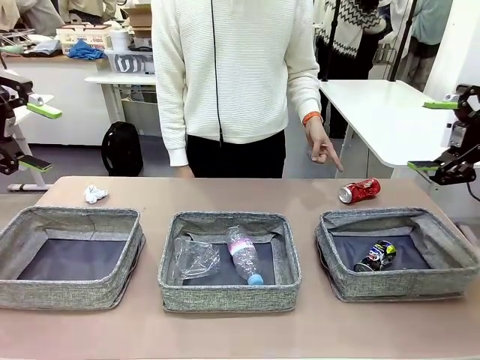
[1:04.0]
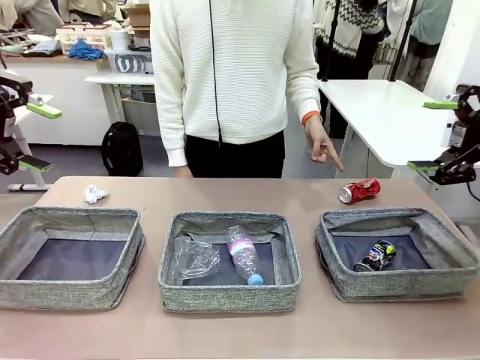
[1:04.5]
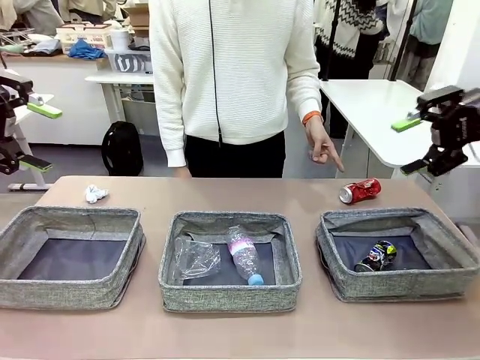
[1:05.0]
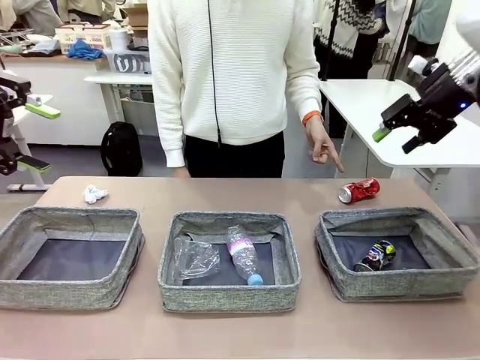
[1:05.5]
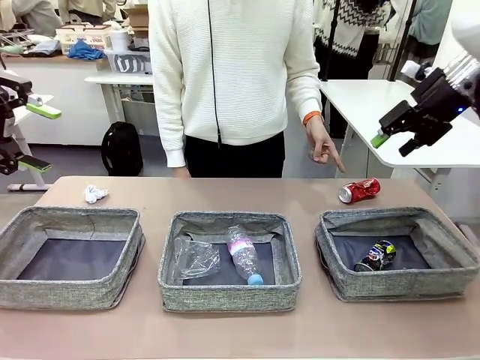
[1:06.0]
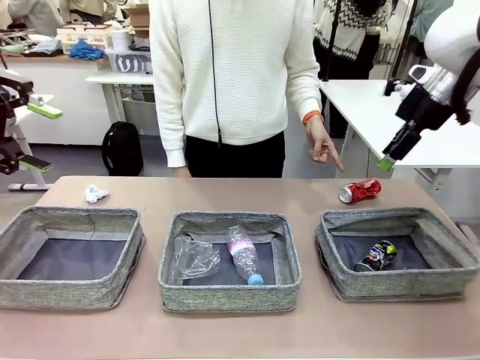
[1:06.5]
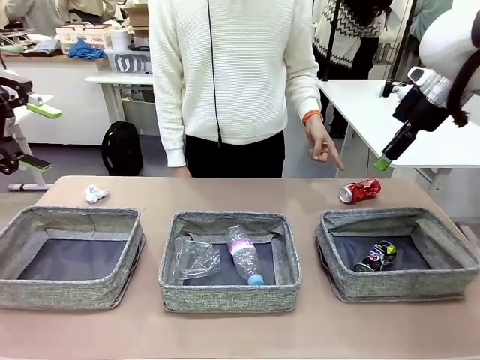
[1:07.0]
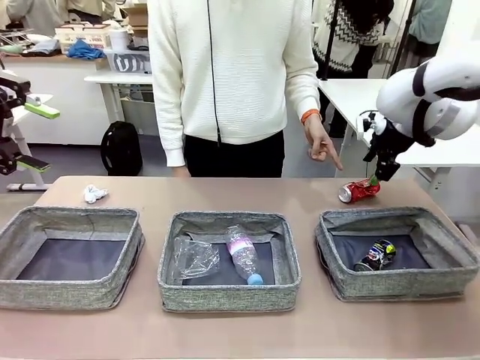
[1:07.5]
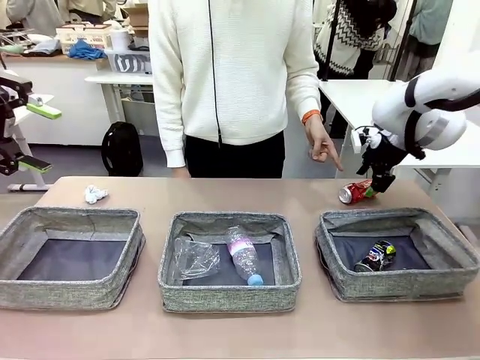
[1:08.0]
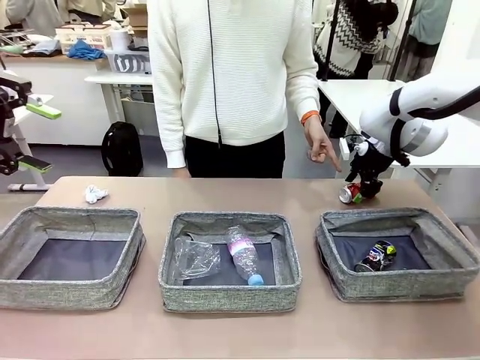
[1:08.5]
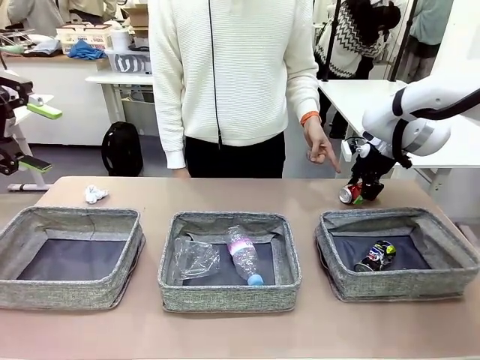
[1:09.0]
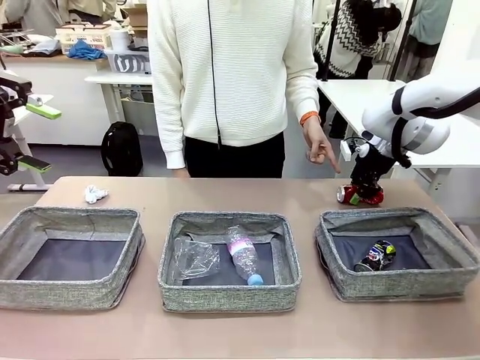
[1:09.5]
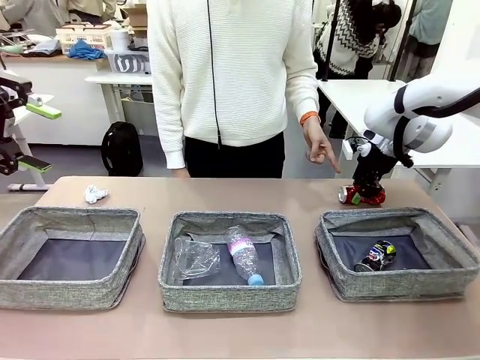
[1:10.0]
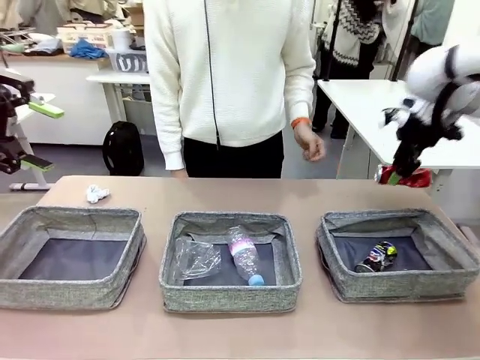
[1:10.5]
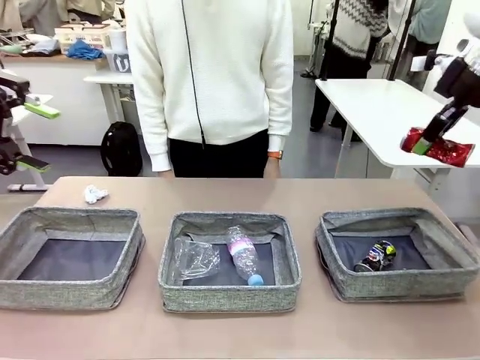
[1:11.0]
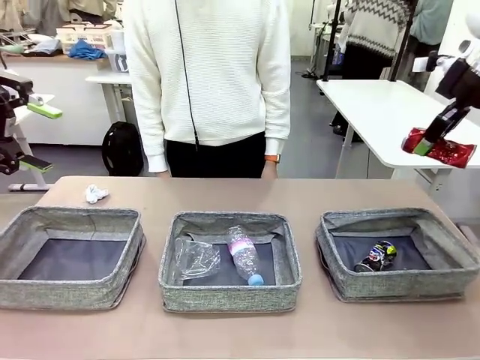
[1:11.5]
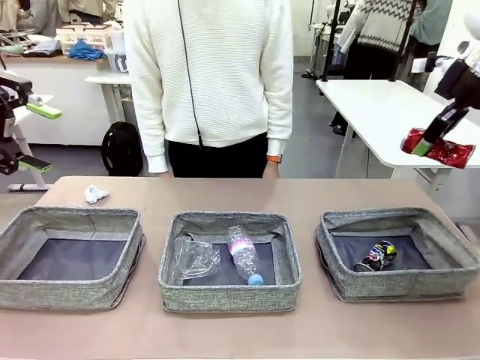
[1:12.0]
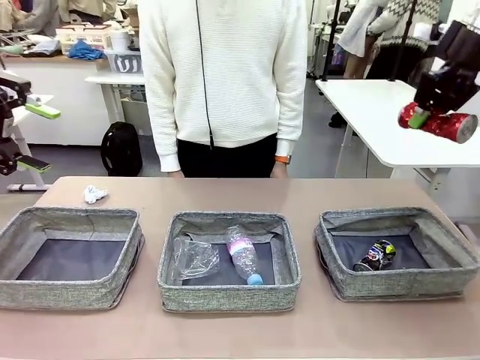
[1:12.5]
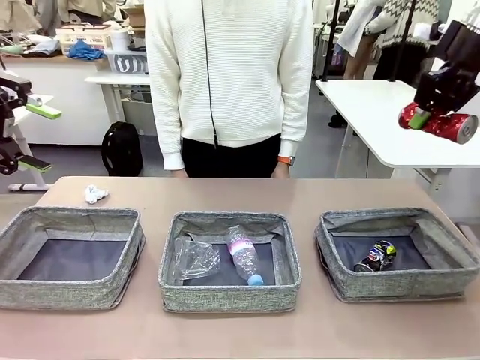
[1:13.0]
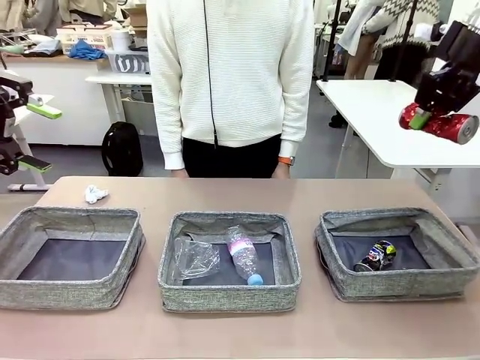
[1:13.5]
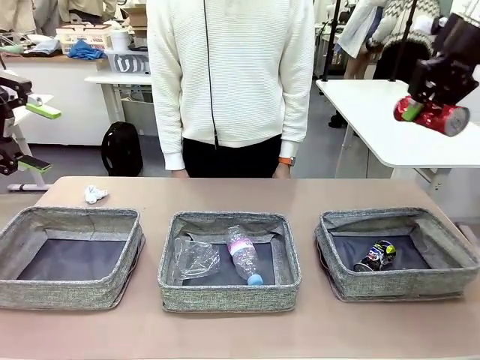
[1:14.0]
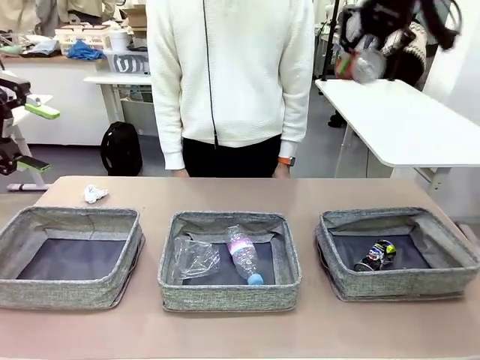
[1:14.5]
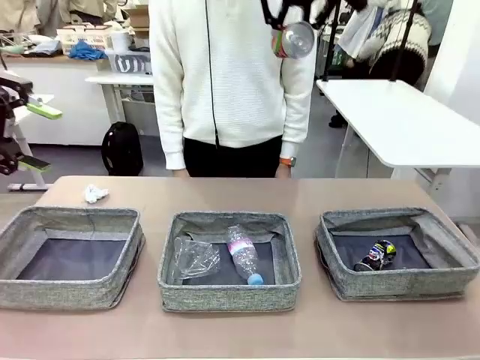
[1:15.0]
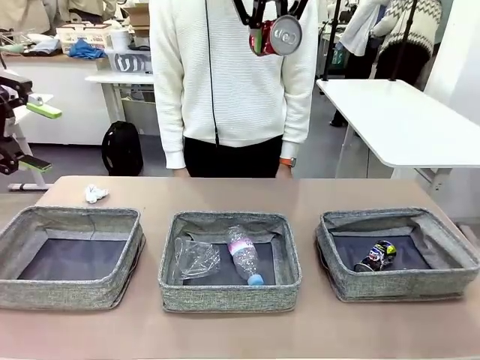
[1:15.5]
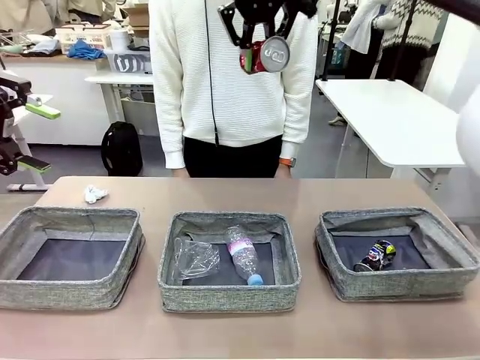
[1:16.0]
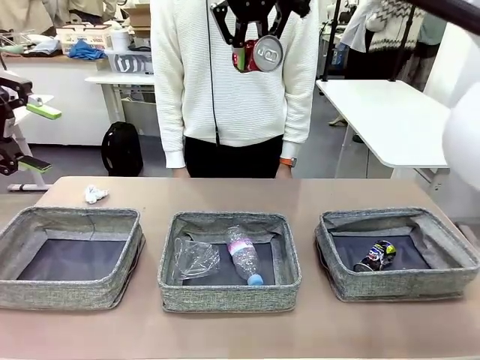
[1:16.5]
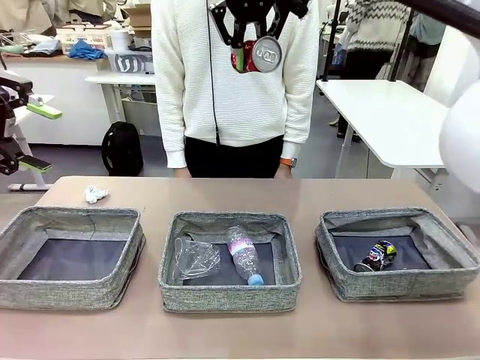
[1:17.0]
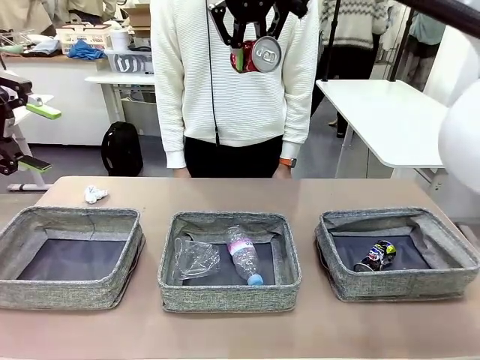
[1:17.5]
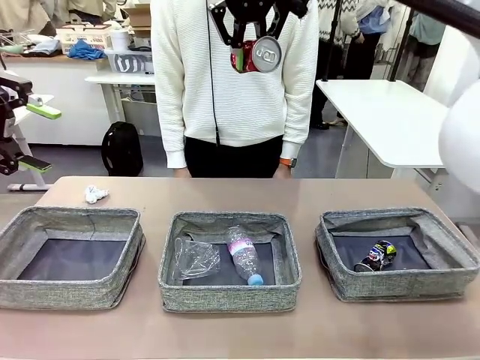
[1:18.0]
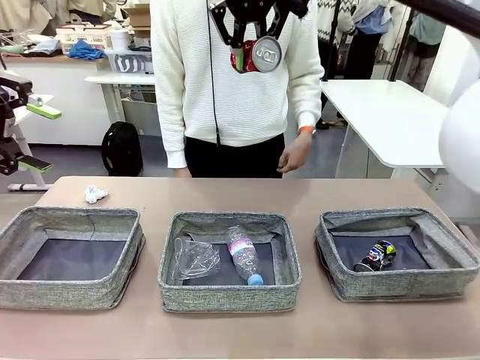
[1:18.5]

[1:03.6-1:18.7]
Task: Sort the waste into the appropriate baskets.
Robot: Pick up the waste item pointed out by the person.
Person: Points to one piece of trash on the table.

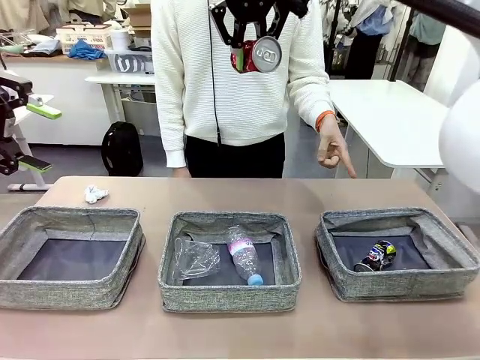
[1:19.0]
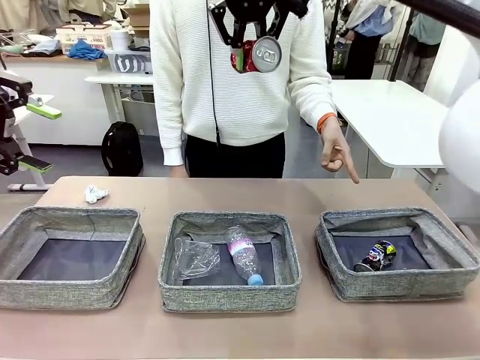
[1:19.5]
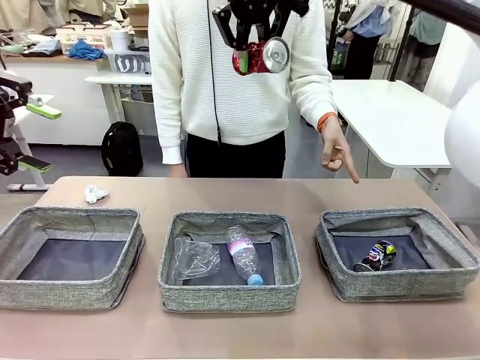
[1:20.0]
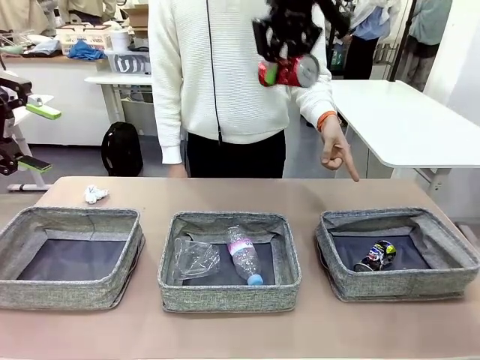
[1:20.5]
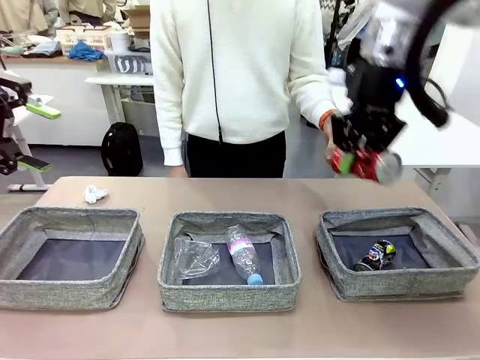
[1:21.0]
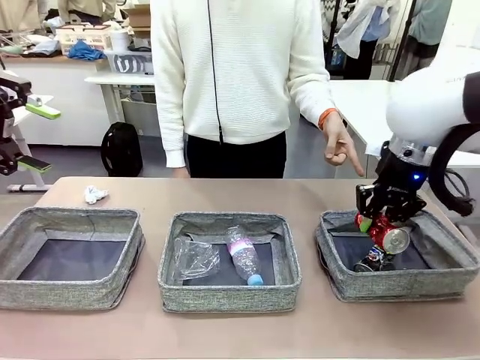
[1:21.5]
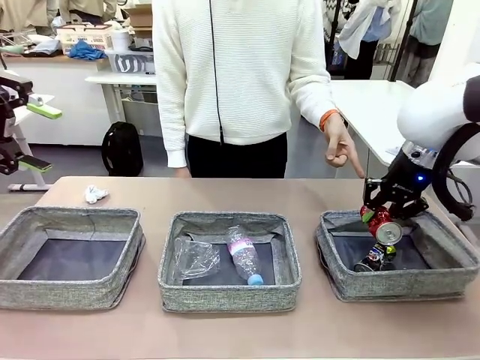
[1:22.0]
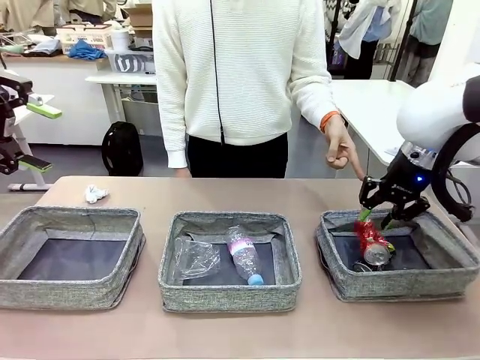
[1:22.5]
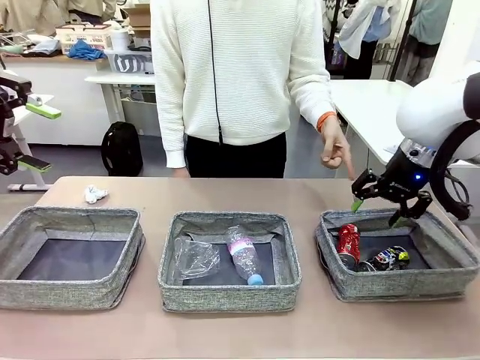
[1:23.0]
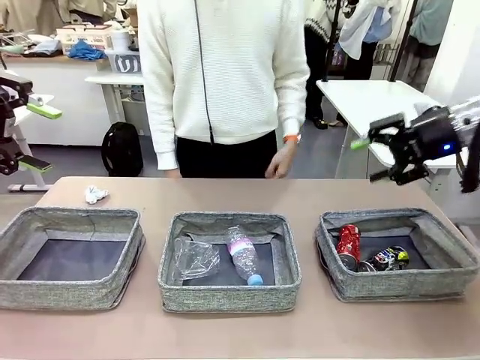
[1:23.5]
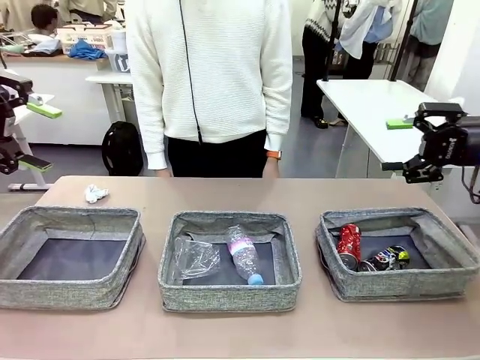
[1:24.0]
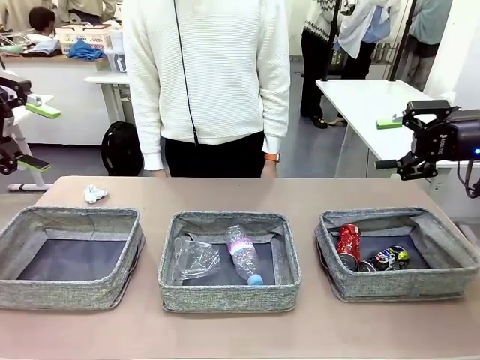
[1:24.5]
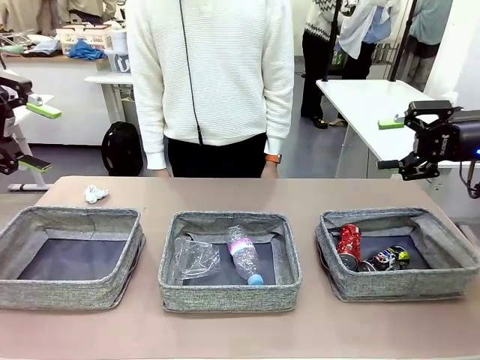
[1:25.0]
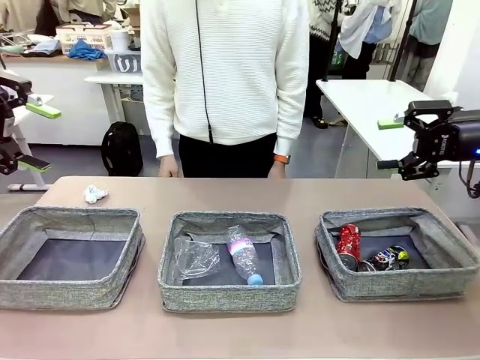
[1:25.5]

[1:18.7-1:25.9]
Robot: Place the picked waste into the Fabric basket indicated by the person.
Person: Instructs the robot to place the picked-up trash into the appropriate organizing basket.

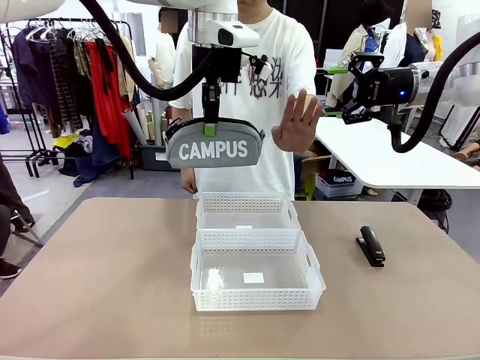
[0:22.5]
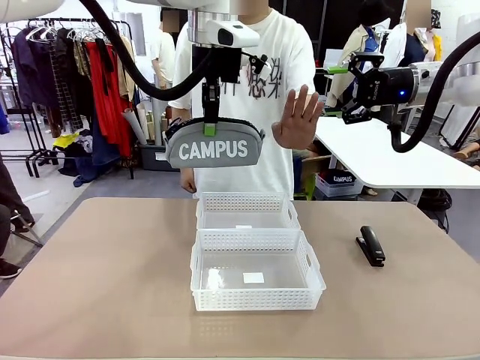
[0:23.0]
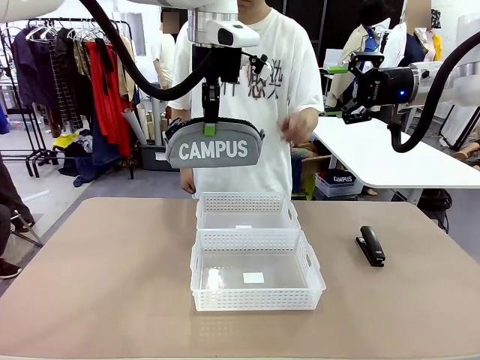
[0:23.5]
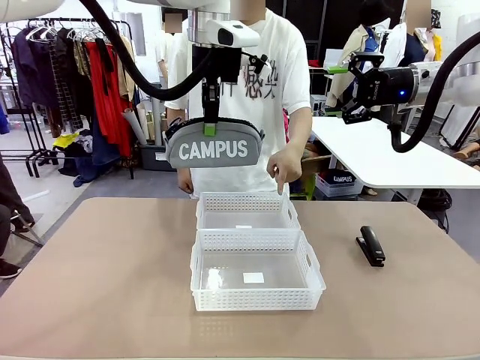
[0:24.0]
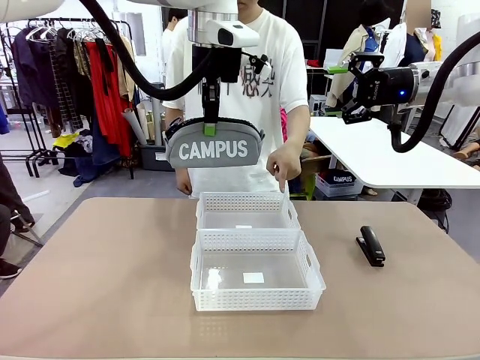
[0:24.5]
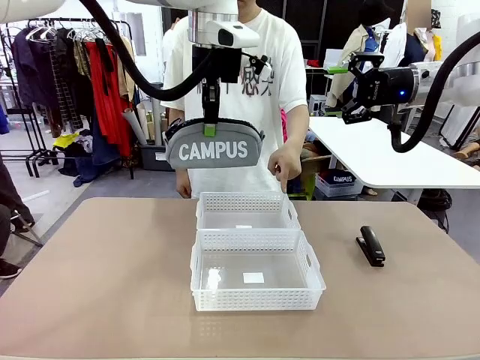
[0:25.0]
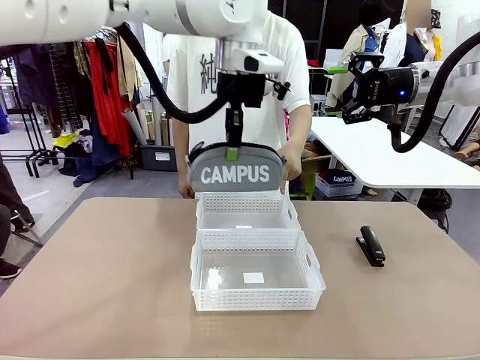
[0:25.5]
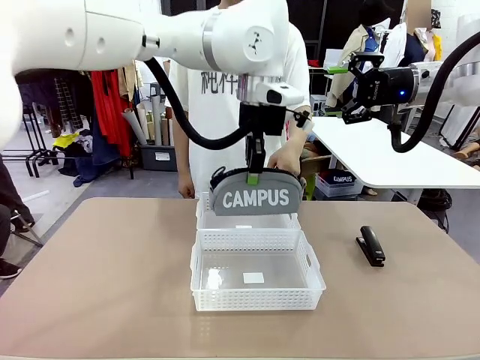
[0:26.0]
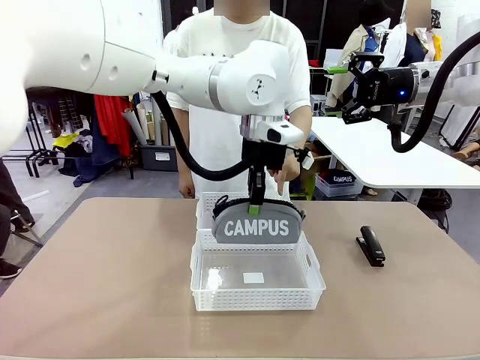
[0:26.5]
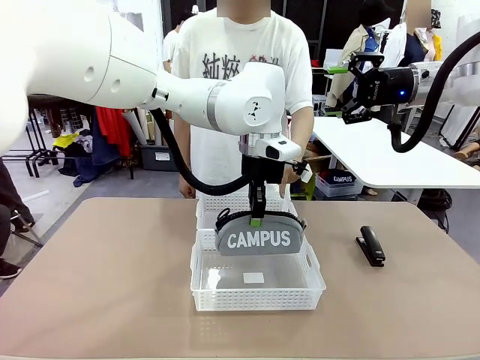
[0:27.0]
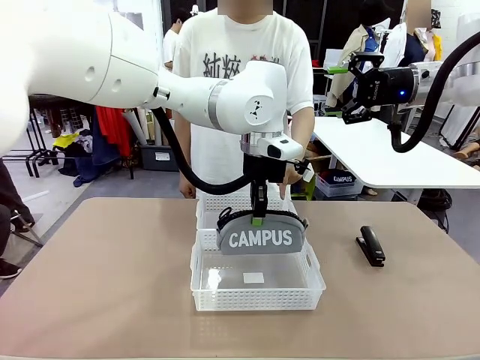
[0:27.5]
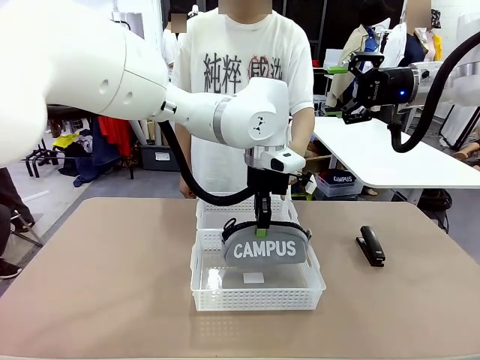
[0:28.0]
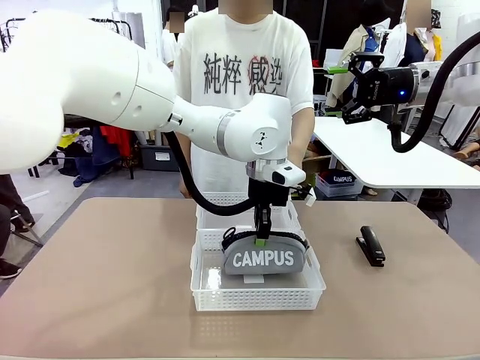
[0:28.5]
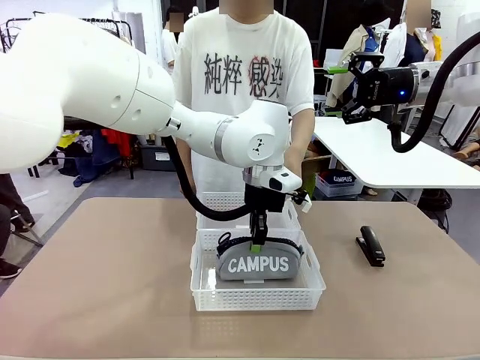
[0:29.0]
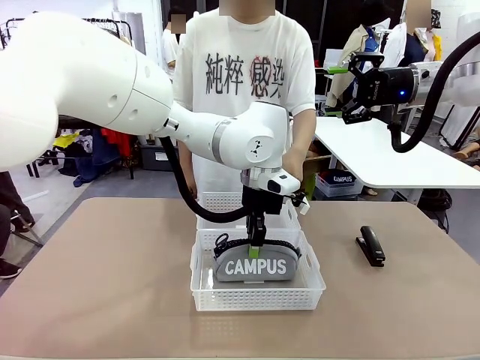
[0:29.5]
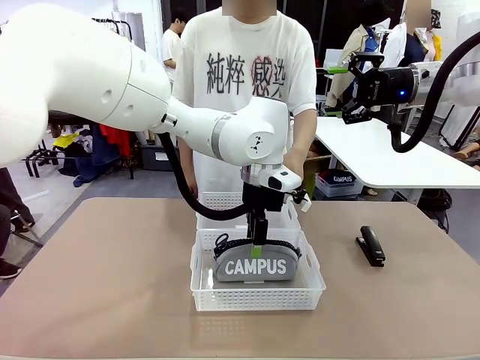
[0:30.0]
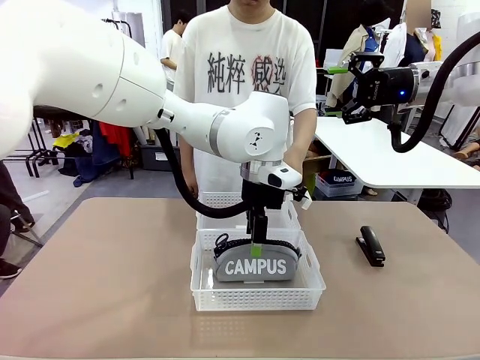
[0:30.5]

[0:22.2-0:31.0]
Task: Distribute items into two baskets.
Robot: Place the picked Pencil pouch into the Organizing basket as instructed by the person.
Person: Instructs the robot to place the pencil case into the opposite basket.
